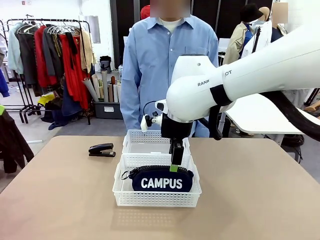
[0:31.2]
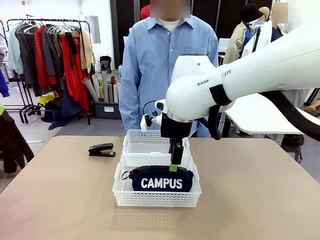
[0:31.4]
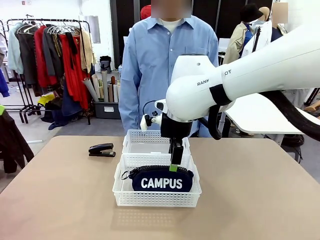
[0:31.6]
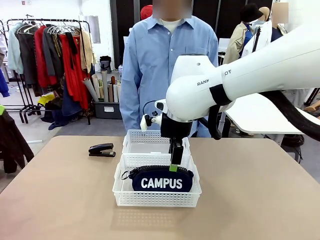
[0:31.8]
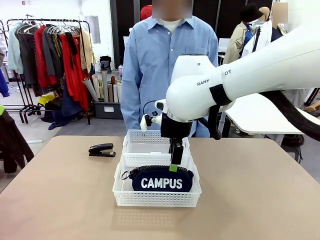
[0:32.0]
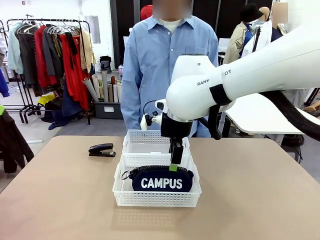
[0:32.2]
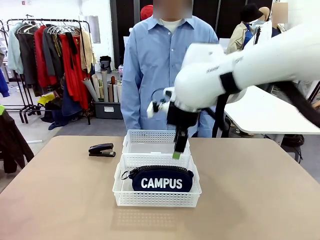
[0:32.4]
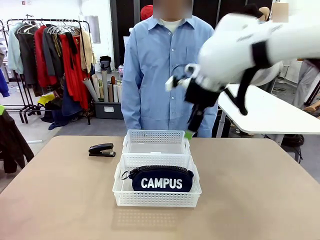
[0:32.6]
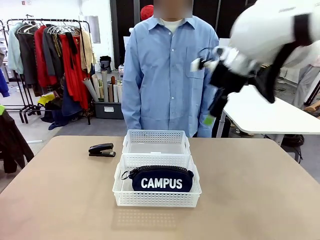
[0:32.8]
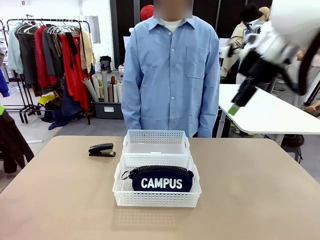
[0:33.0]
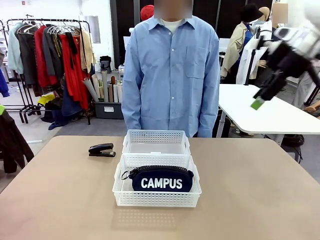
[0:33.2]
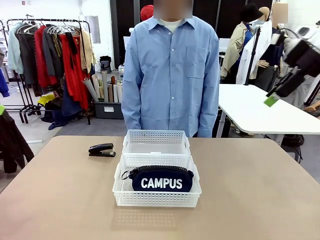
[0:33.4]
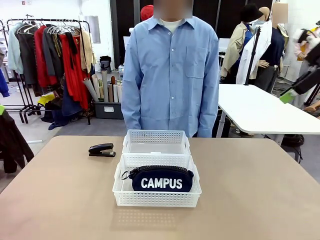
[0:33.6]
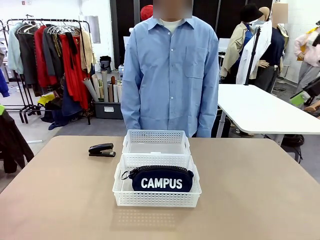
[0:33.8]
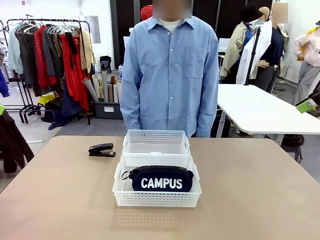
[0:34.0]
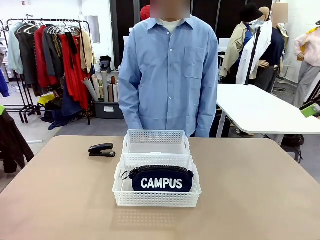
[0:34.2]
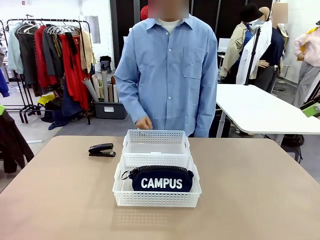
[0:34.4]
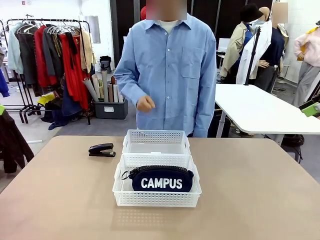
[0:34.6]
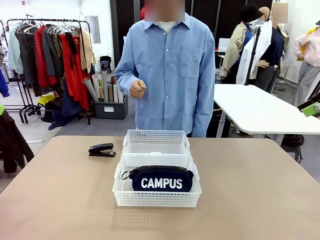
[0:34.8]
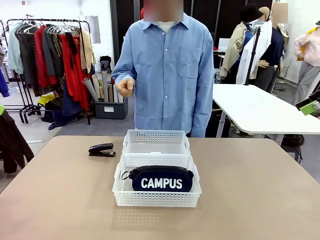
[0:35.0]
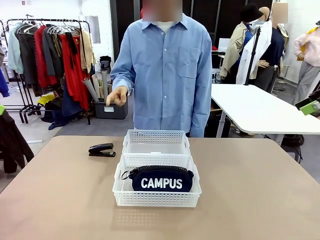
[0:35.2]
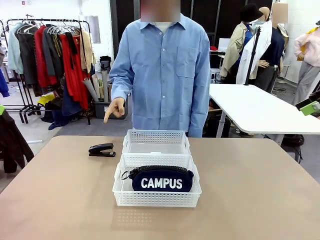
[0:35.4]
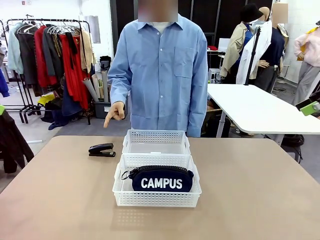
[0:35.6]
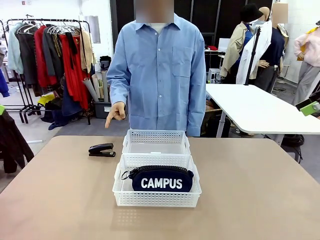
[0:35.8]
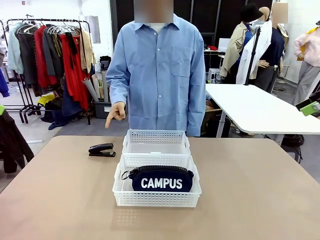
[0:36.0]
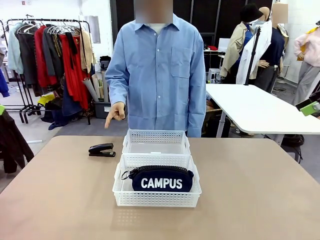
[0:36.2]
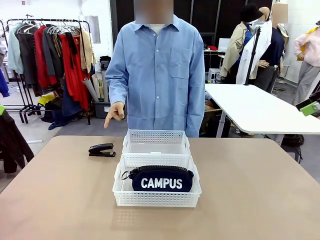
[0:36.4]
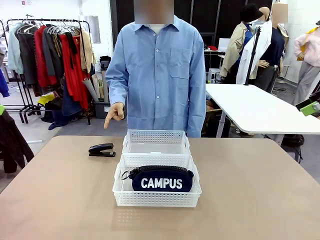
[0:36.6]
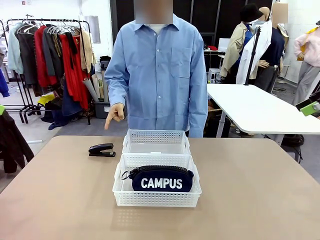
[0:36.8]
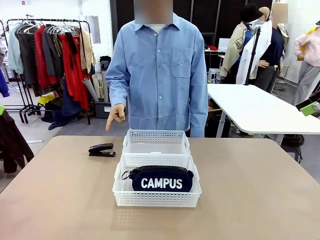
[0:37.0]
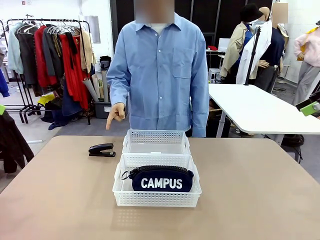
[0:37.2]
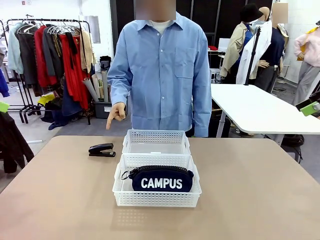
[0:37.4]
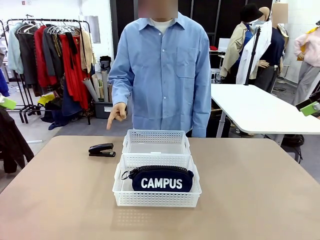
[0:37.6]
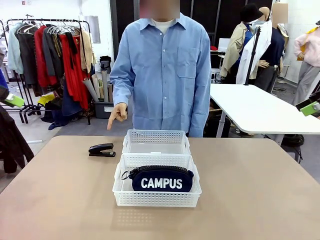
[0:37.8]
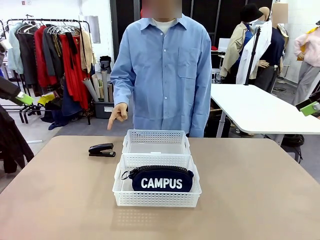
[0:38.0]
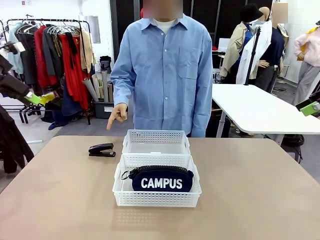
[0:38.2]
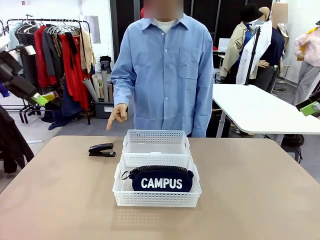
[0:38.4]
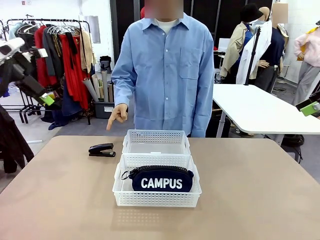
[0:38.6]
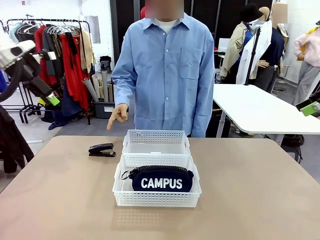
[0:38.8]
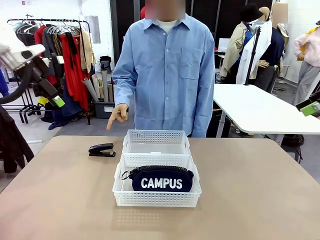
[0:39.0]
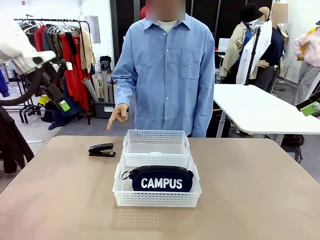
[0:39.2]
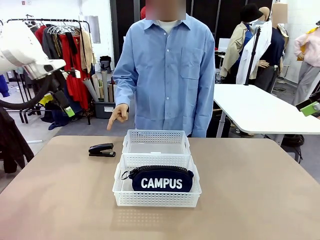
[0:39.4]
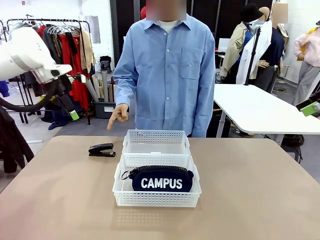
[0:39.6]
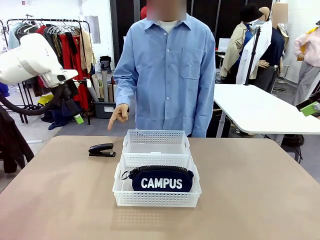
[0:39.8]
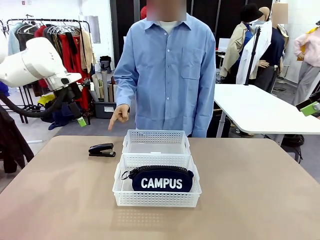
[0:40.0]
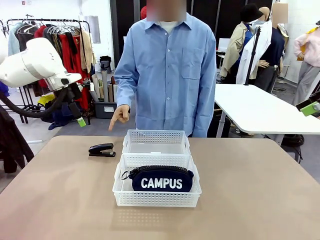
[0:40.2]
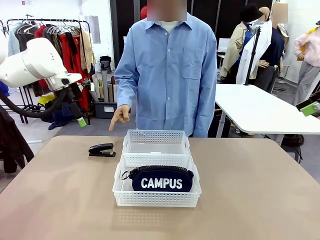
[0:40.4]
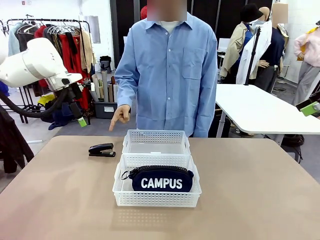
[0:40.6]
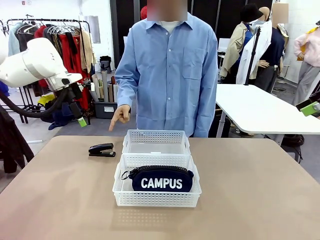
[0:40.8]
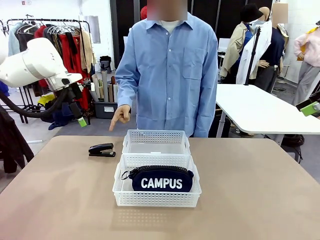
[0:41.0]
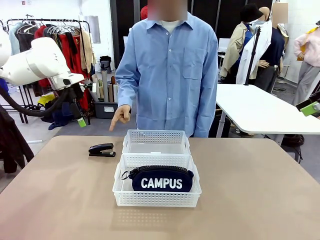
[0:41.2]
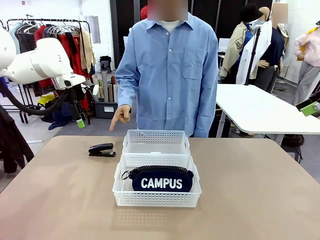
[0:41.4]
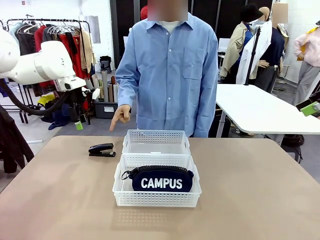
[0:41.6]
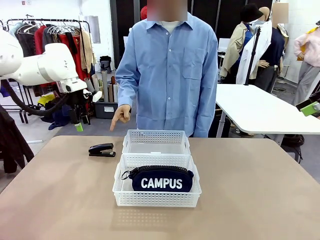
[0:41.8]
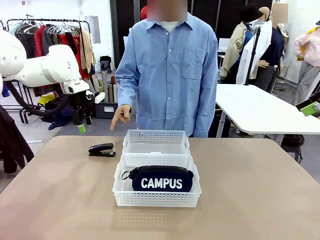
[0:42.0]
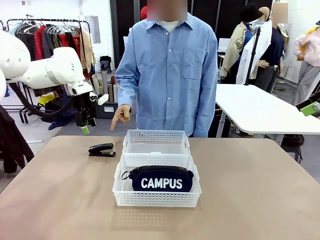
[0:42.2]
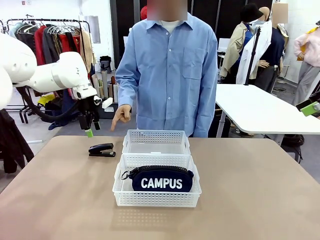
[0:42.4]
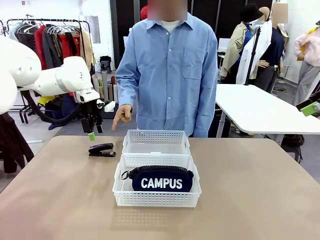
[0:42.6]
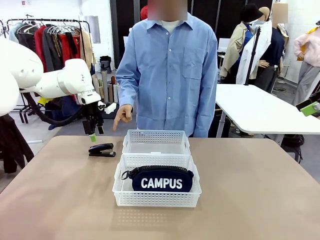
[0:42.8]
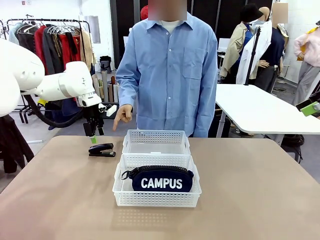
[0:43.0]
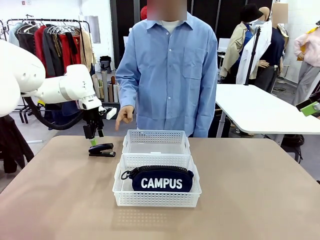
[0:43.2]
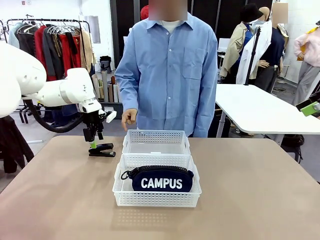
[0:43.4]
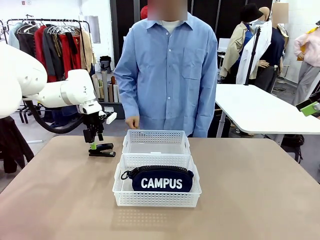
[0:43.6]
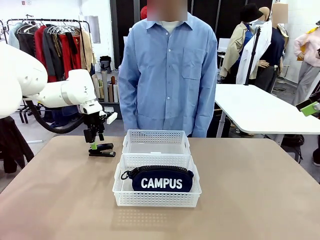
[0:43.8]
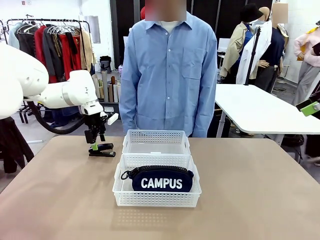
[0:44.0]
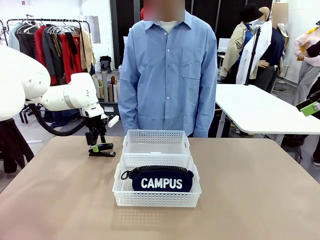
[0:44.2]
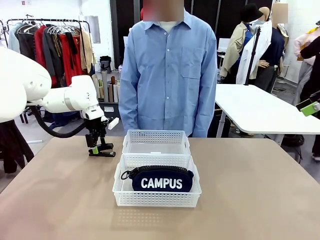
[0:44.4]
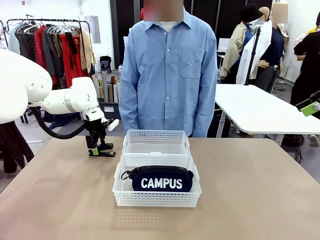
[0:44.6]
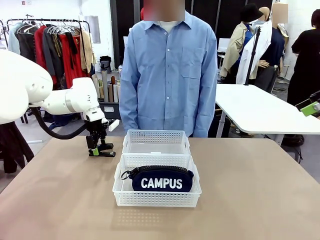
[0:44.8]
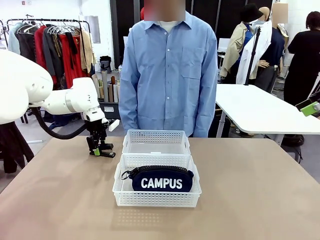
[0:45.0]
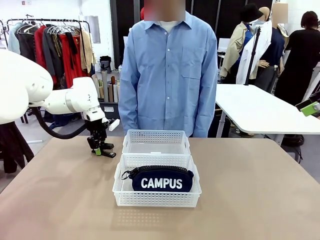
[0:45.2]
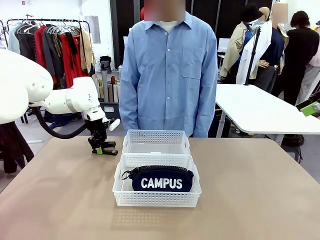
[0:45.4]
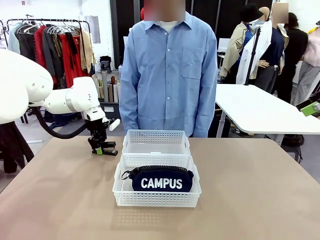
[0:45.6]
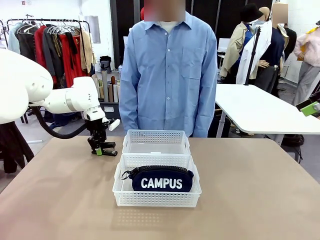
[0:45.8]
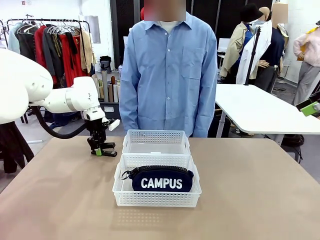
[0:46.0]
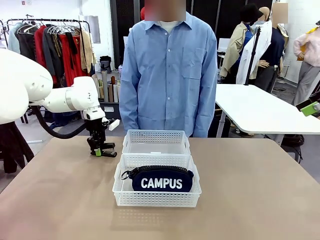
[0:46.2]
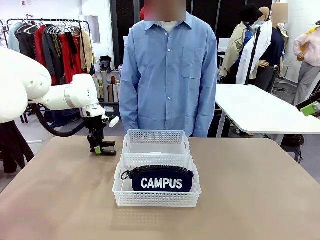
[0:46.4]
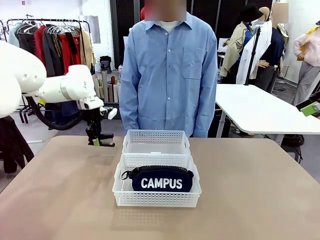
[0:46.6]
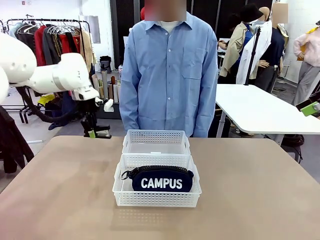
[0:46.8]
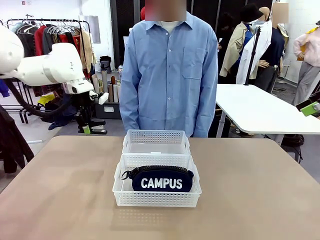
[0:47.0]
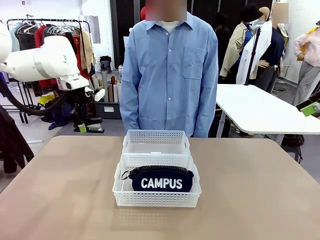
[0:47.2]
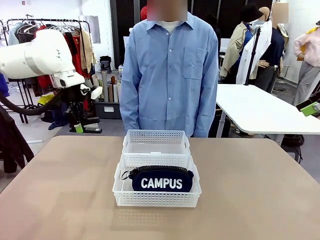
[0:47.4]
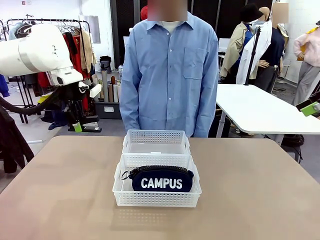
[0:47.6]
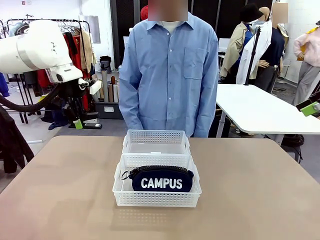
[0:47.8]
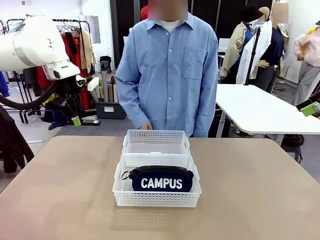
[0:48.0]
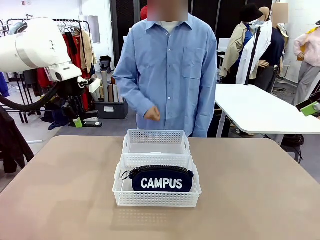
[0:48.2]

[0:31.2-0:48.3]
Task: Distribute items into two baskets.
Robot: Pick up the Stapler that the person points to.

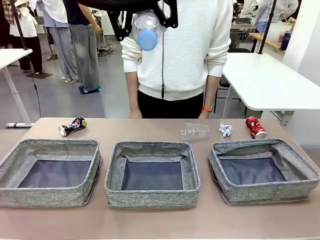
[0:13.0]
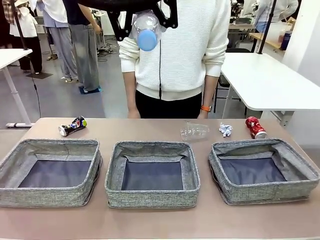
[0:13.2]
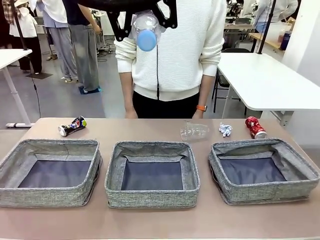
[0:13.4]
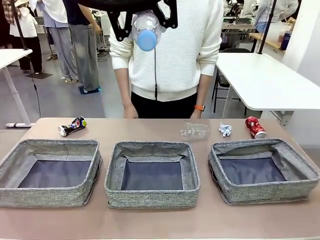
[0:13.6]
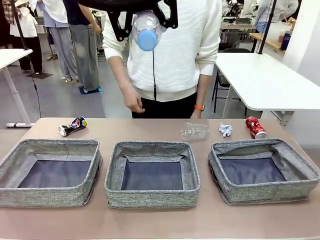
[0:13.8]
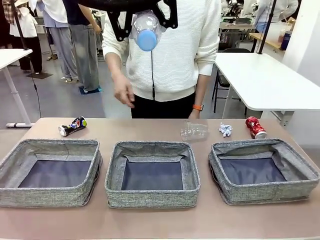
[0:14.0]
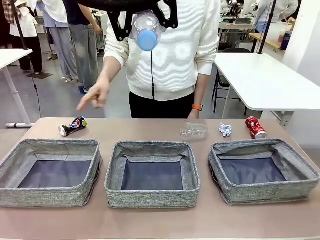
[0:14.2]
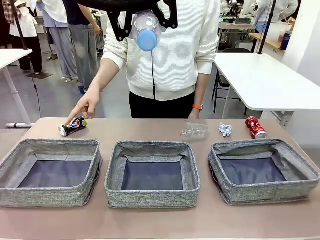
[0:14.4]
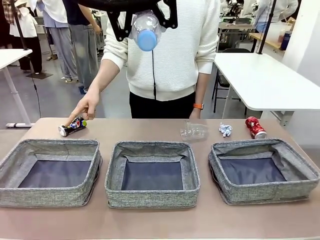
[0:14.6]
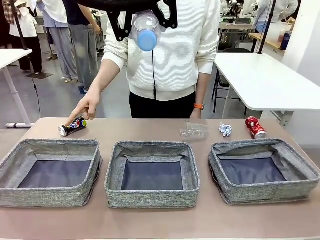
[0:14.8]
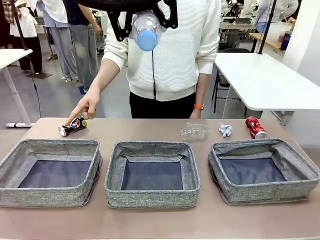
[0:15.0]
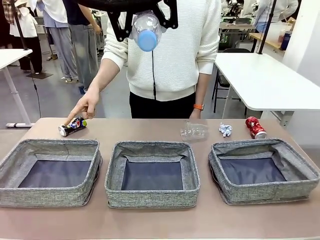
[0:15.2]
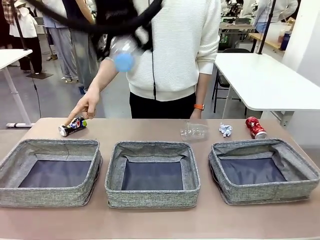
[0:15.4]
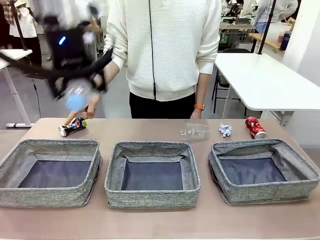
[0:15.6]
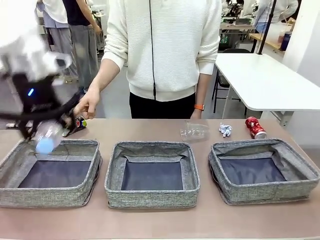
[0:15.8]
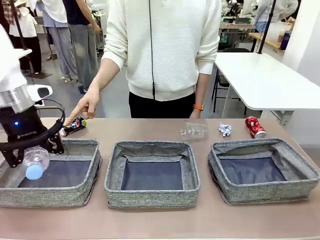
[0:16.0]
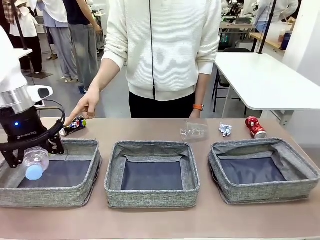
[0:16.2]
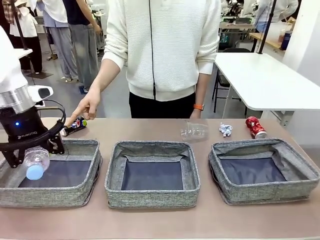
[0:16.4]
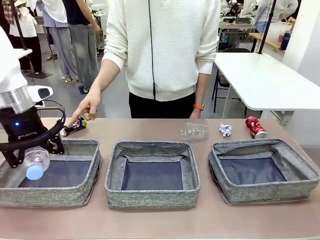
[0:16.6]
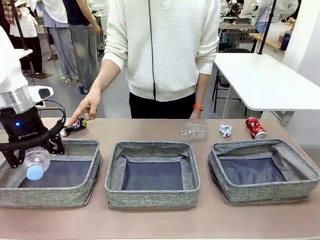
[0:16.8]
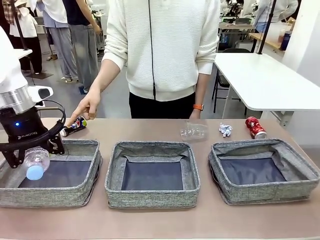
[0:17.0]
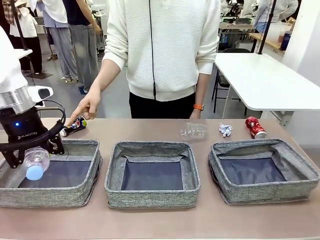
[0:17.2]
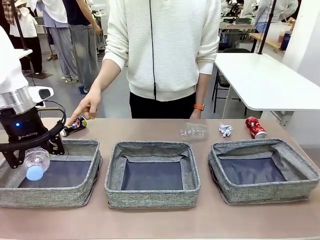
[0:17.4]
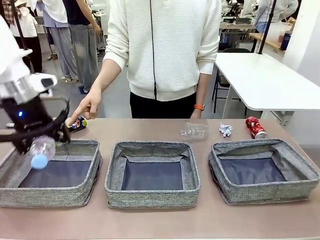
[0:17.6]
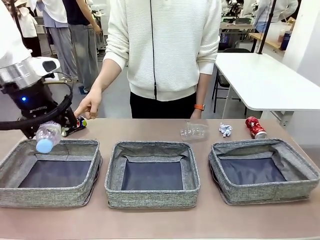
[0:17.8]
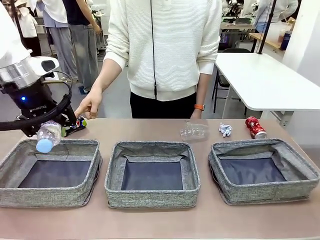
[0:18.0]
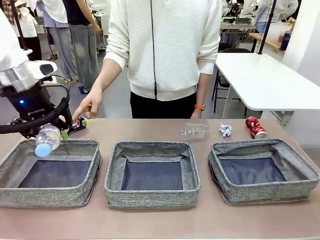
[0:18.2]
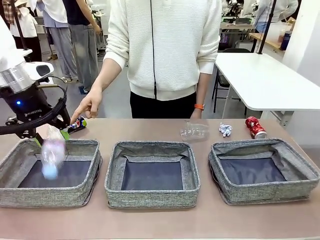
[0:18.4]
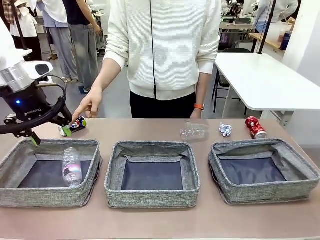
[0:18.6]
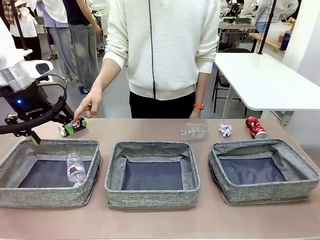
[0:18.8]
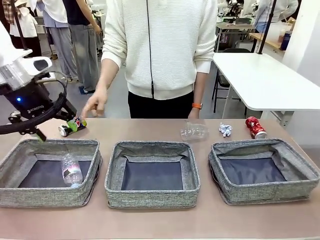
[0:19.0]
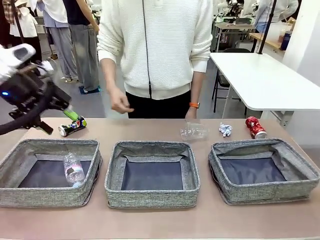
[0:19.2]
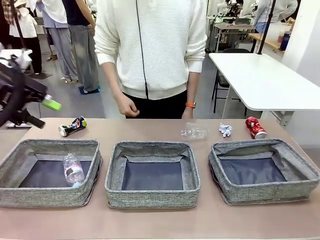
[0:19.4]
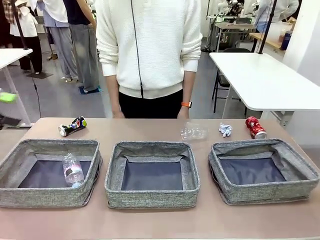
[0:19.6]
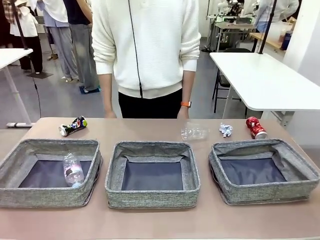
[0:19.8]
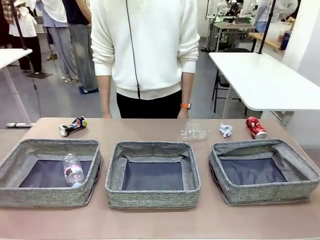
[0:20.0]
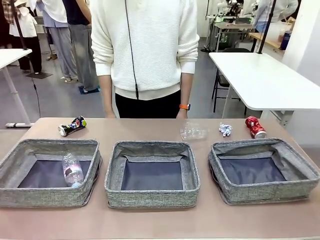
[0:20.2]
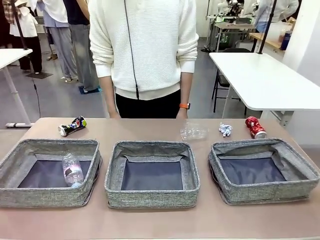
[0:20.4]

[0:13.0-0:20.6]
Task: Sort the waste into the appropriate baskets.
Robot: Place the picked waste into the Fabric basket indicated by the person.
Person: Instructs the robot to place the picked-up trash into the appropriate organizing basket.
